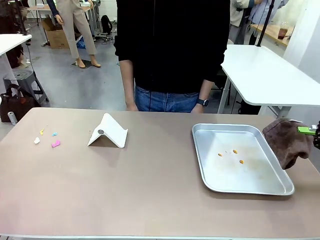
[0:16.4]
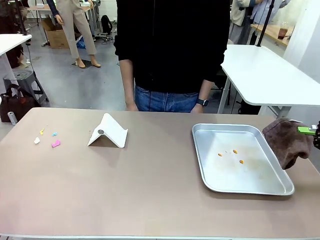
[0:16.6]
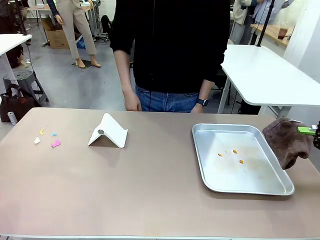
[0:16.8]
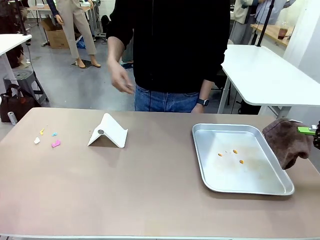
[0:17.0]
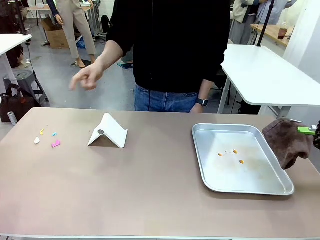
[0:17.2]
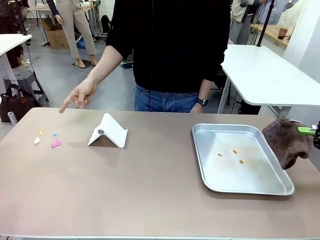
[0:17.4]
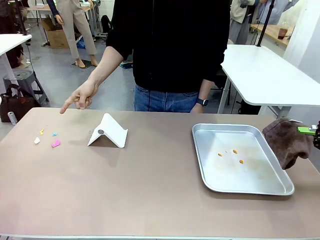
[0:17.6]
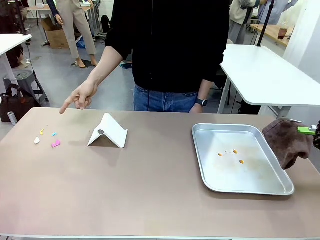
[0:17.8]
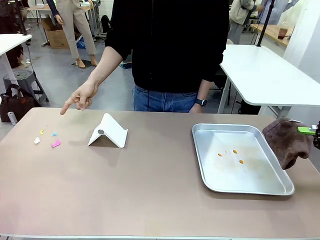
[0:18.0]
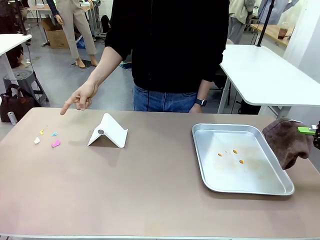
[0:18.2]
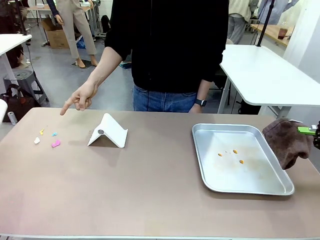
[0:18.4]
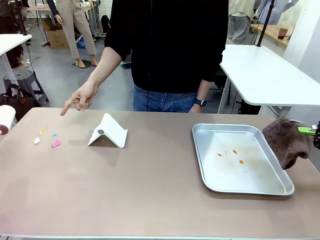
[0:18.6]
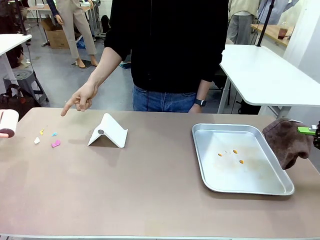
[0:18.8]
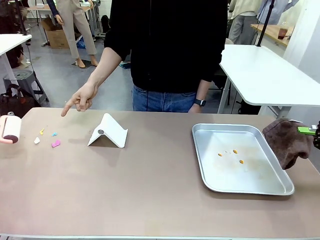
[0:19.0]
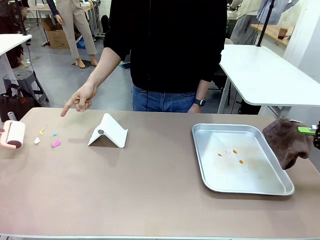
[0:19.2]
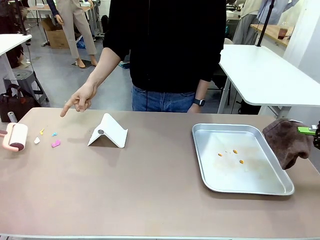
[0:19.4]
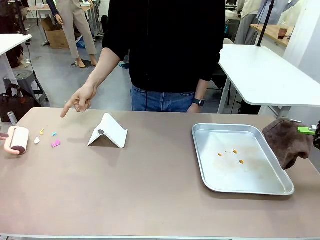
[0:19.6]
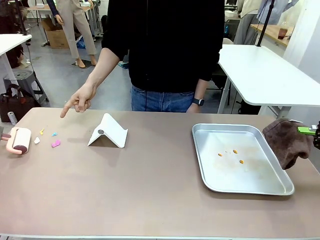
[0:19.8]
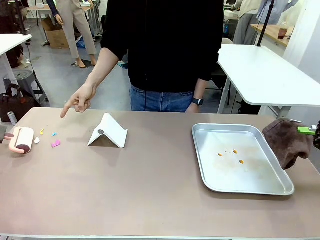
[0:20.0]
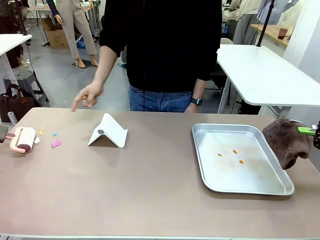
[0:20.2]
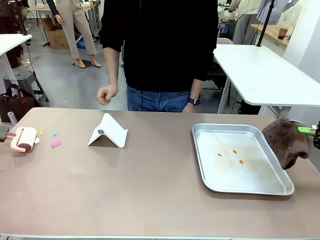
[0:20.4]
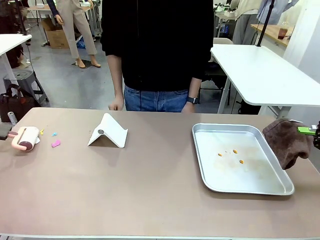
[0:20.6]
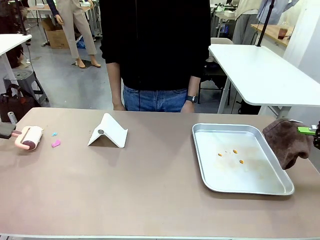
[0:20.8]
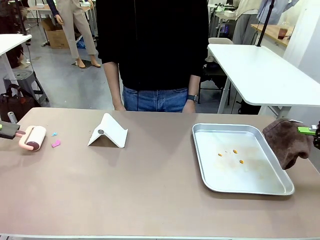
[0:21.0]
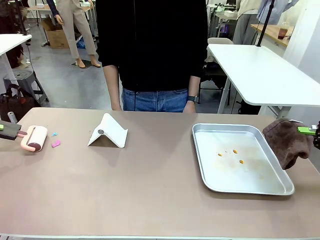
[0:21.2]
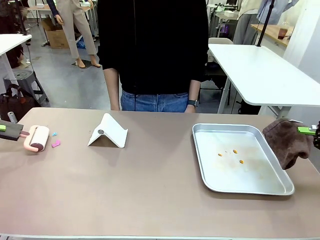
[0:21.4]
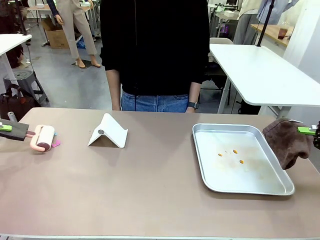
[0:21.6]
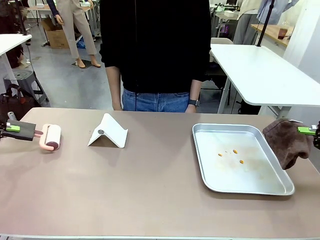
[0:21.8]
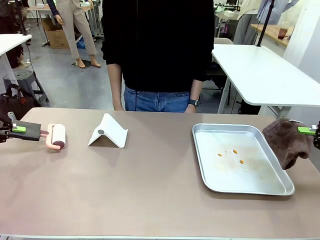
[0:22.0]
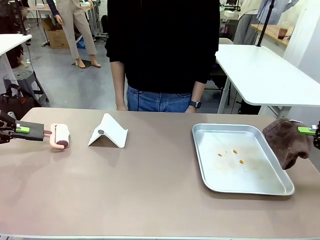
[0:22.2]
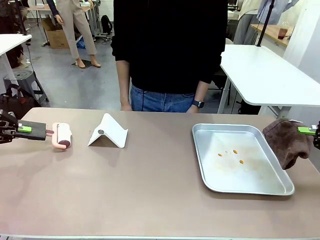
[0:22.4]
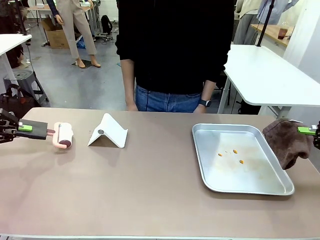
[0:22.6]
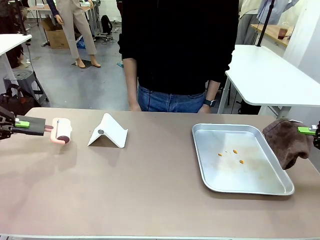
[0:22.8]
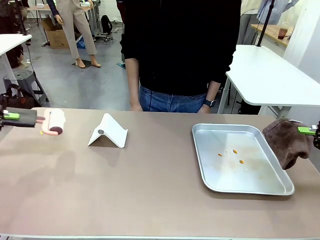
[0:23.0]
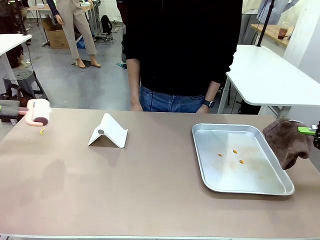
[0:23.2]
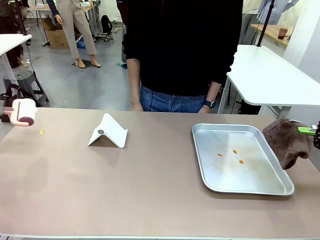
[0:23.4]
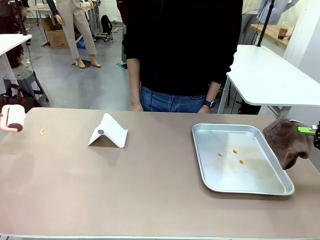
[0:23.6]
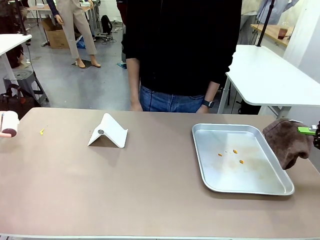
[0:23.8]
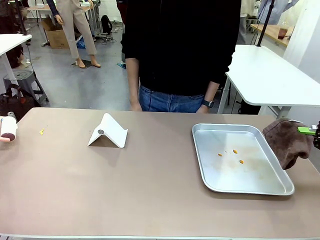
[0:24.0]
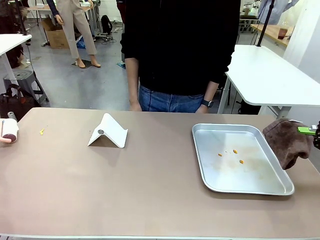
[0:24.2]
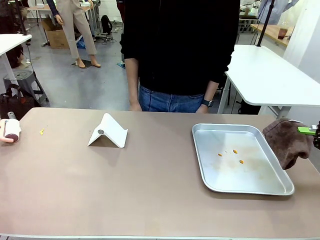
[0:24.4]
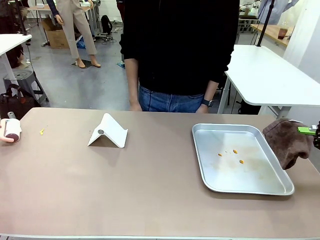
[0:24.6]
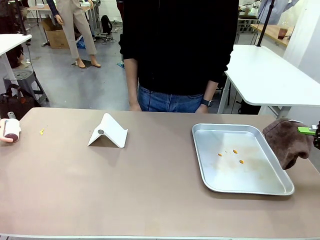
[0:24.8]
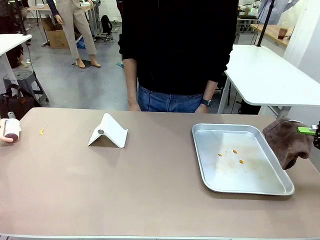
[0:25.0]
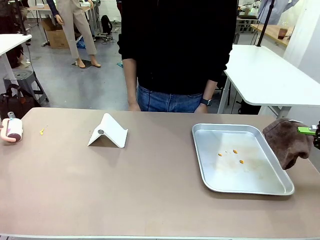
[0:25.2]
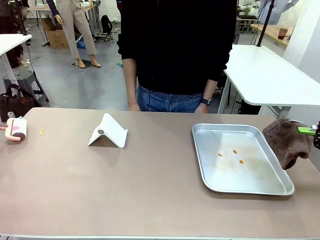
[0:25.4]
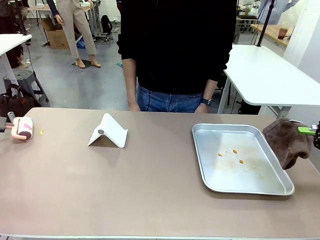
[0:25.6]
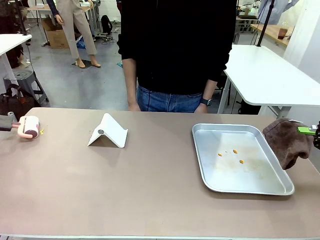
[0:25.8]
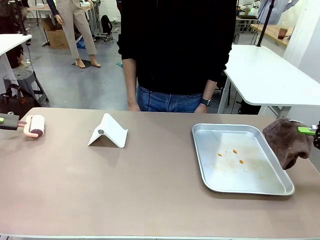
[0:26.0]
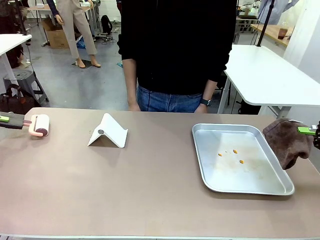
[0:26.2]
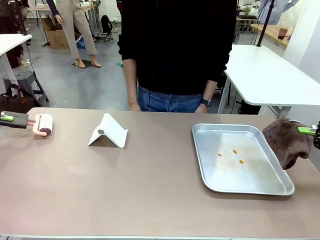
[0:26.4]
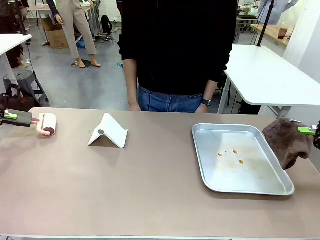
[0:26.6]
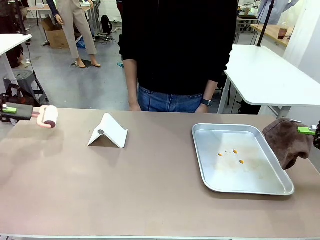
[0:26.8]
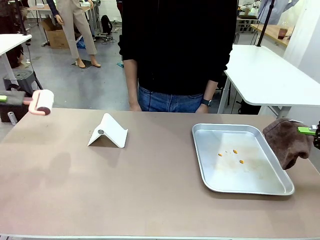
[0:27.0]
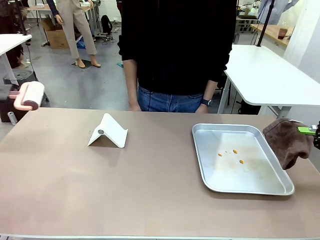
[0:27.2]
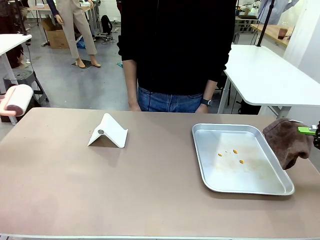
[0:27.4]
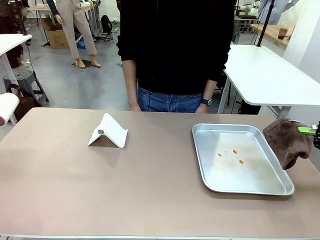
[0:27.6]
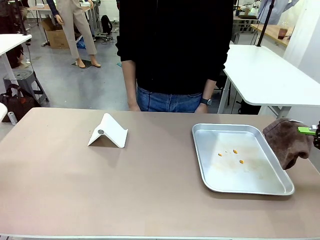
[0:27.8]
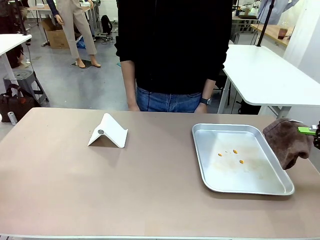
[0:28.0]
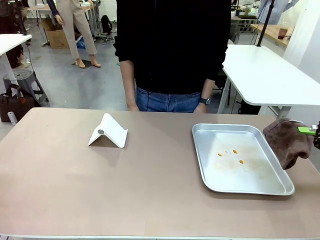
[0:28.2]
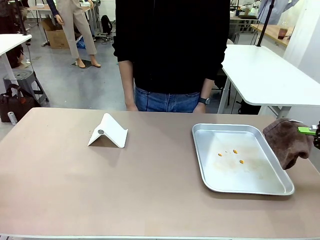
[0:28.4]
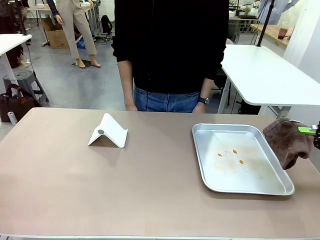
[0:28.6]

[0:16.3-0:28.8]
Task: Clean the surface of the table.
Robot: If a person points to the right, clean the right side of the table with your right hand, and if they point to the left, clean the left side with your left hand.

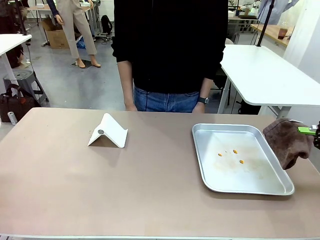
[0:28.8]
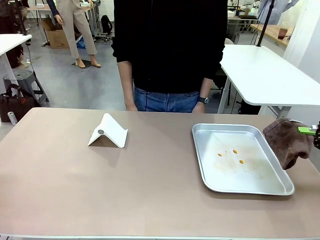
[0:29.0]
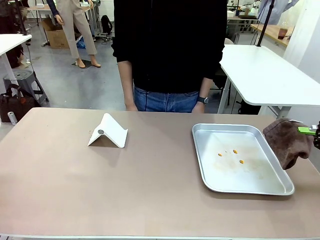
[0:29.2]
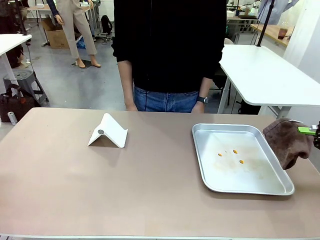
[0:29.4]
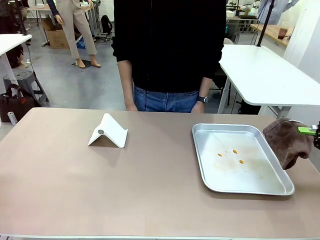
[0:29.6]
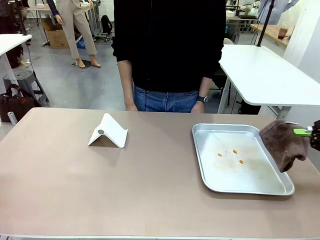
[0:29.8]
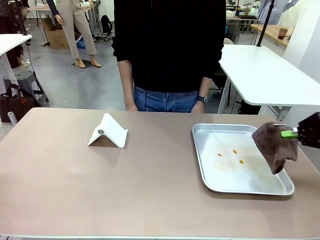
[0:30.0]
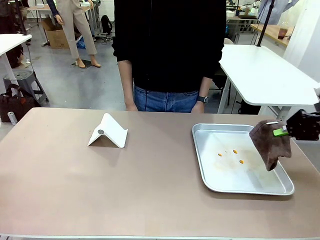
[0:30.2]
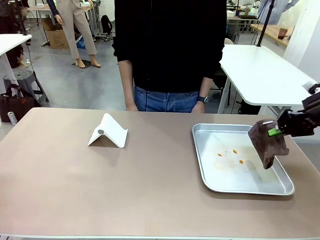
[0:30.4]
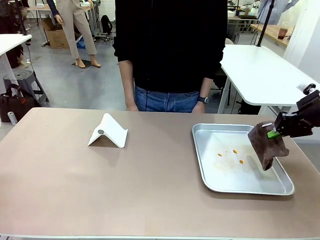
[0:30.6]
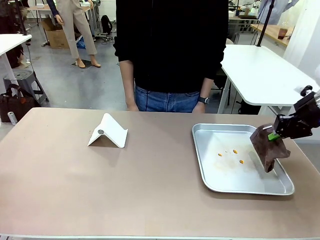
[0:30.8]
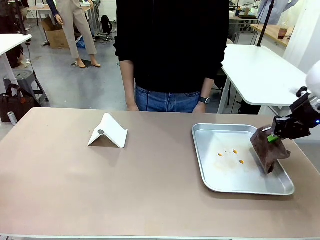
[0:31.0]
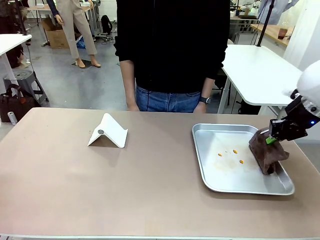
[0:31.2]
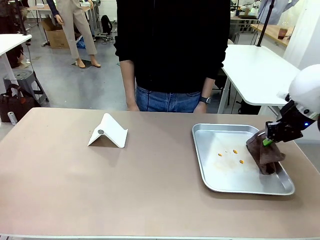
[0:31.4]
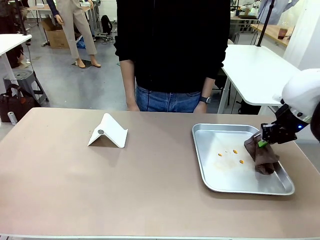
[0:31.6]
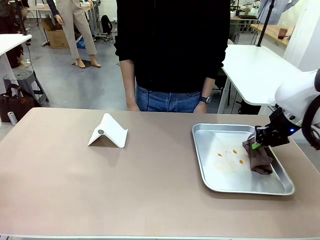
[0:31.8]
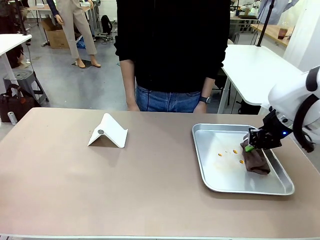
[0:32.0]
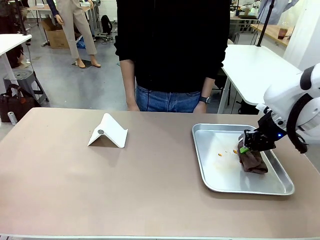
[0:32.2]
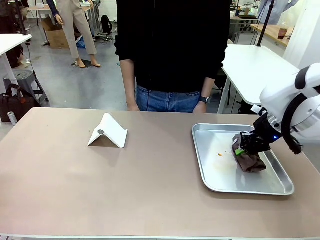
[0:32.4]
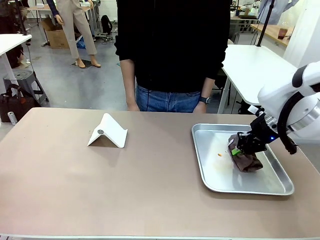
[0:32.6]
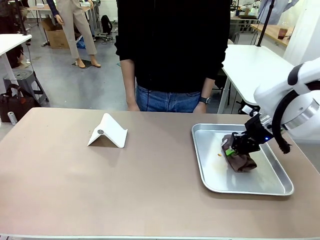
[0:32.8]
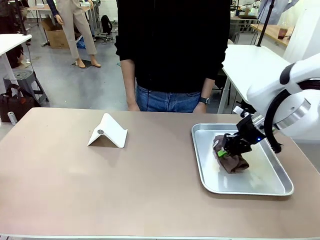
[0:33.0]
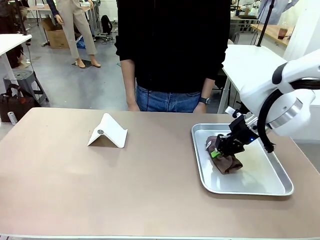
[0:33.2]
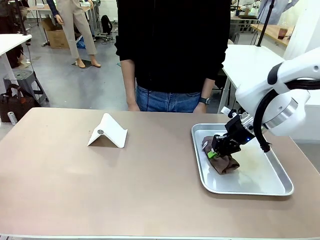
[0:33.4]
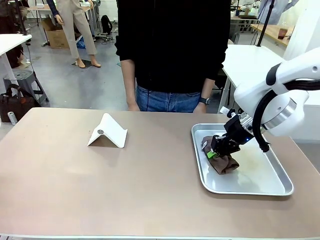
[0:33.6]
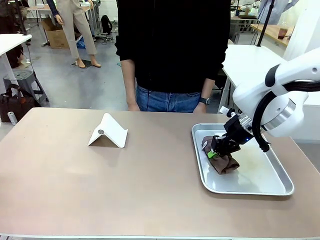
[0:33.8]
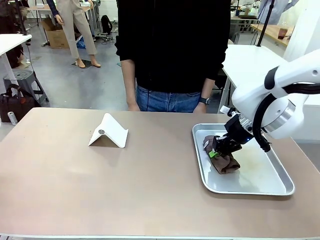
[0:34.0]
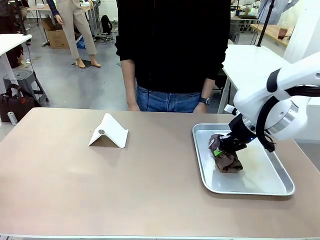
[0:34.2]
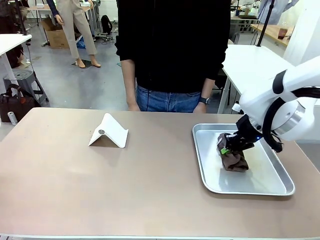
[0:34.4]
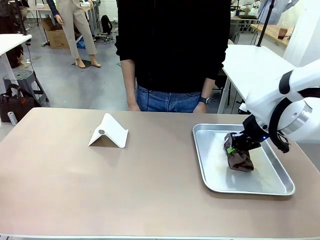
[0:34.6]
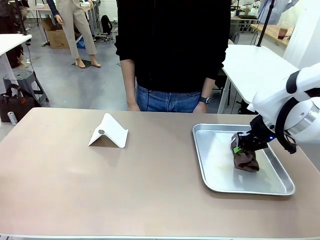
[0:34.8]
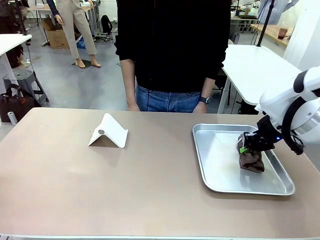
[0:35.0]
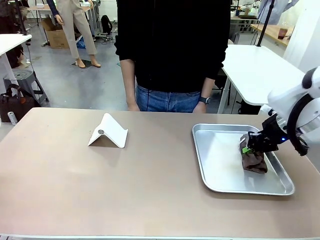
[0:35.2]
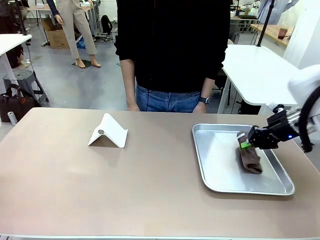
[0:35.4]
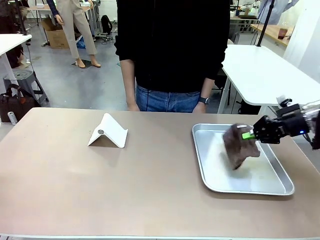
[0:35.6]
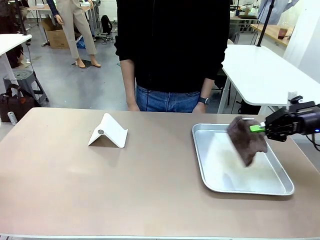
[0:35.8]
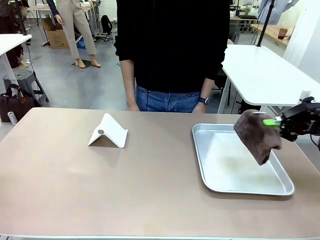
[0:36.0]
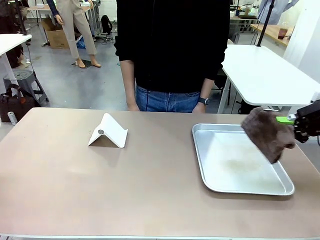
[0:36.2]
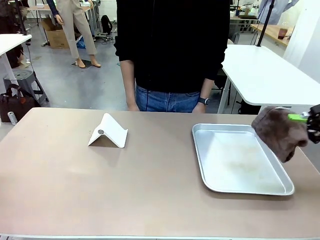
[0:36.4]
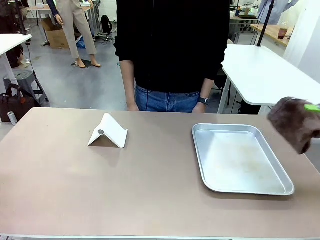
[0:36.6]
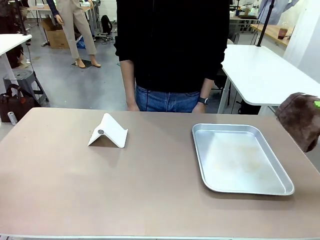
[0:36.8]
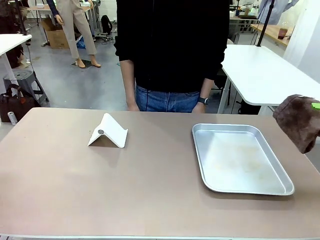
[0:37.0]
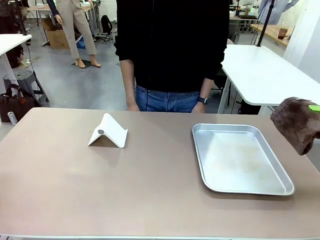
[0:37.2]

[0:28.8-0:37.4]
Robot: Clean the area not pointed to by the person.

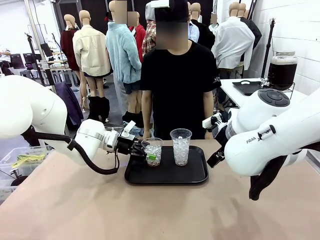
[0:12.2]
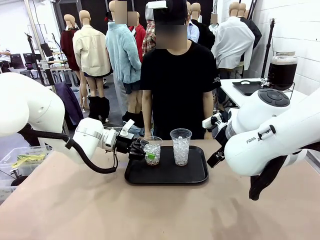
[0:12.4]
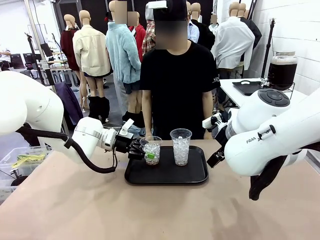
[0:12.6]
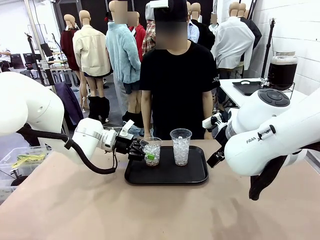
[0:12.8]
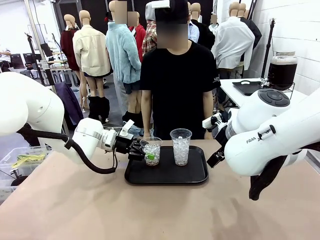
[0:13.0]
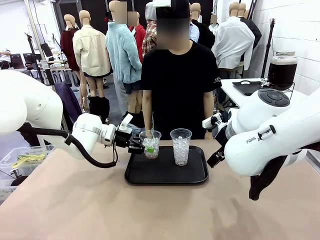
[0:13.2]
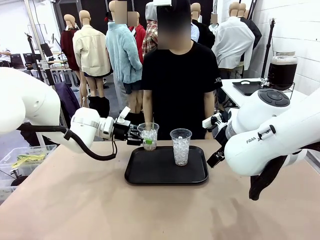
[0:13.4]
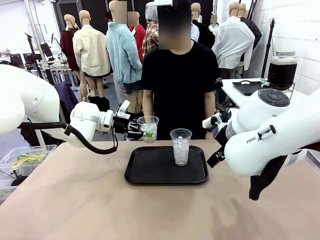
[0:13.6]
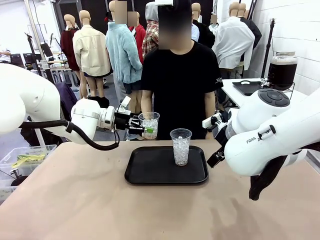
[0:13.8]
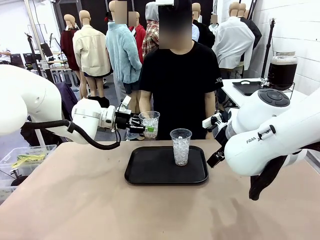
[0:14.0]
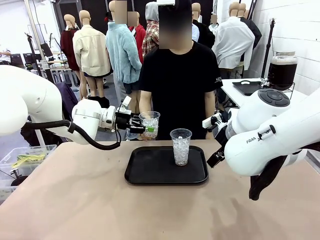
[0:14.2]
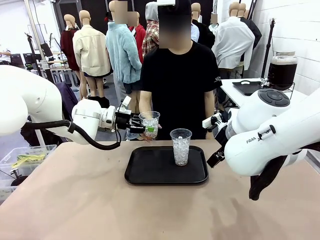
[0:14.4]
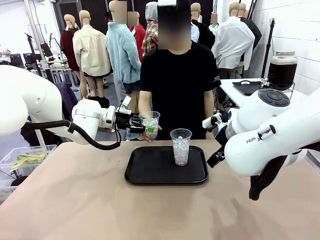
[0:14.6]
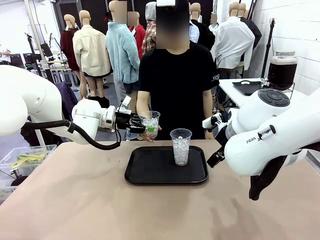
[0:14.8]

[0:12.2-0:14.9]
Task: Pour the drink into the iced cup.
Robot: Open the gripper to release the iced cup you were holding.
